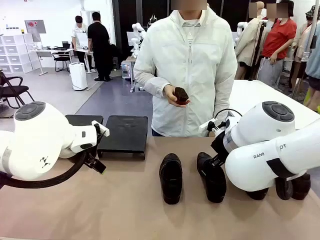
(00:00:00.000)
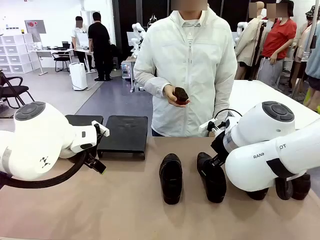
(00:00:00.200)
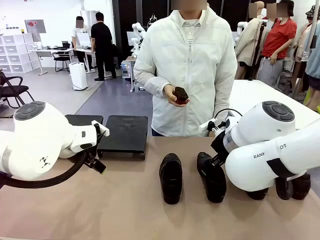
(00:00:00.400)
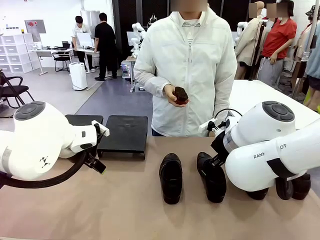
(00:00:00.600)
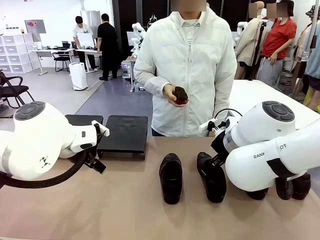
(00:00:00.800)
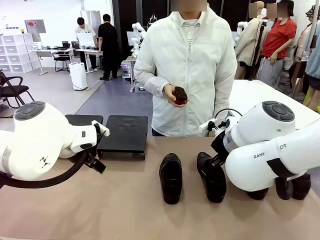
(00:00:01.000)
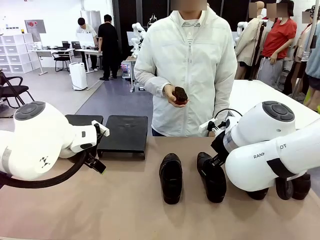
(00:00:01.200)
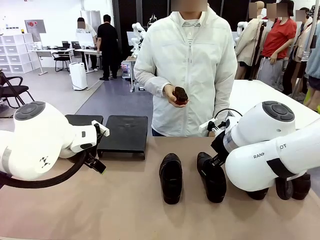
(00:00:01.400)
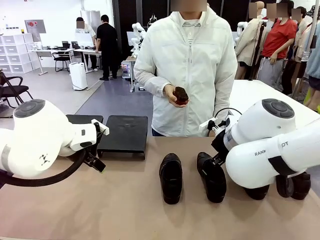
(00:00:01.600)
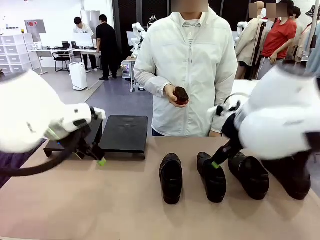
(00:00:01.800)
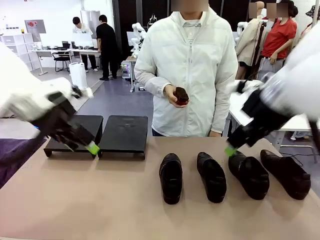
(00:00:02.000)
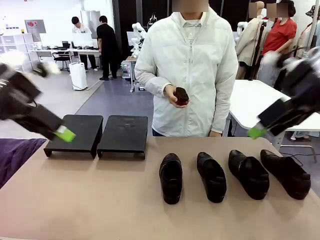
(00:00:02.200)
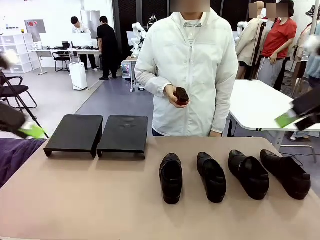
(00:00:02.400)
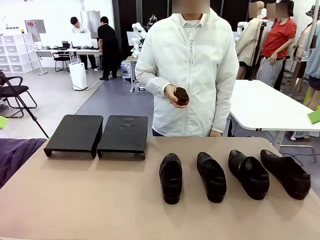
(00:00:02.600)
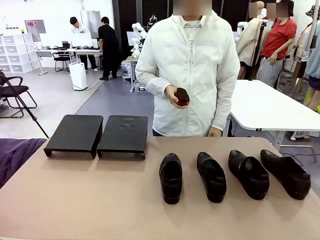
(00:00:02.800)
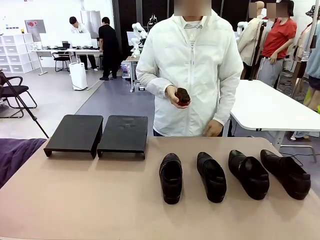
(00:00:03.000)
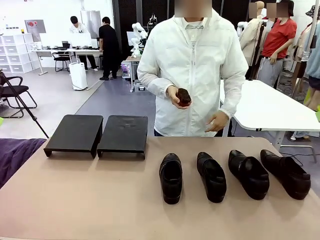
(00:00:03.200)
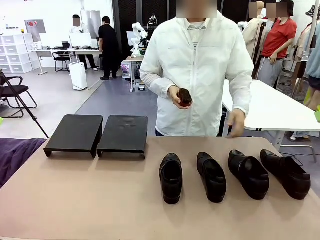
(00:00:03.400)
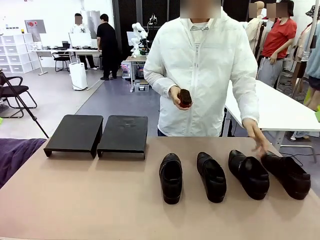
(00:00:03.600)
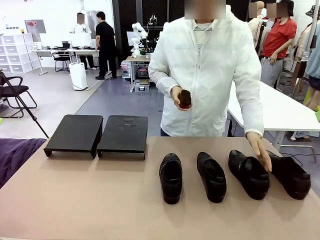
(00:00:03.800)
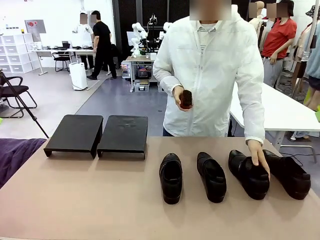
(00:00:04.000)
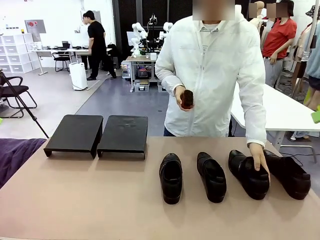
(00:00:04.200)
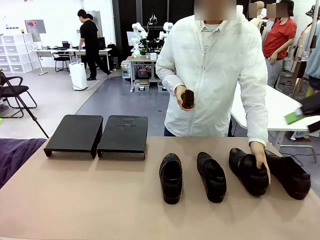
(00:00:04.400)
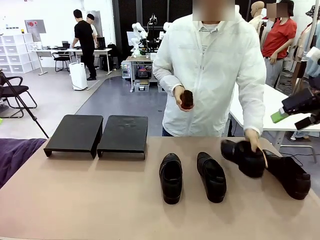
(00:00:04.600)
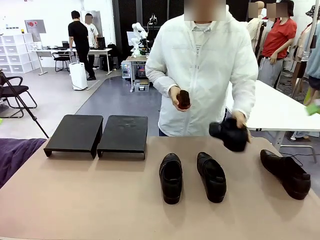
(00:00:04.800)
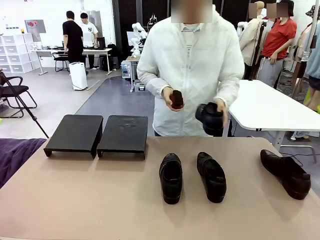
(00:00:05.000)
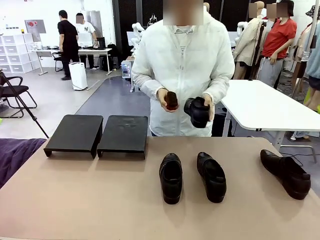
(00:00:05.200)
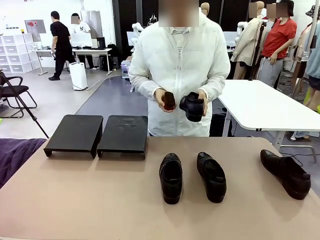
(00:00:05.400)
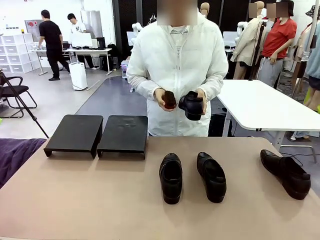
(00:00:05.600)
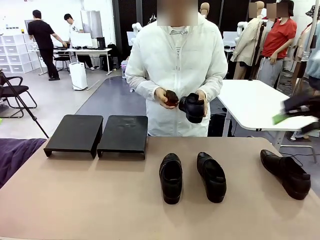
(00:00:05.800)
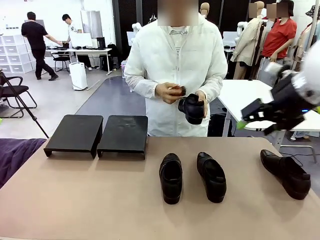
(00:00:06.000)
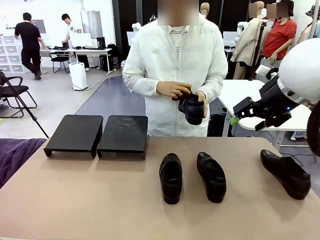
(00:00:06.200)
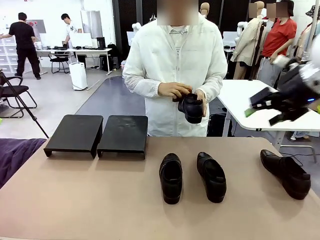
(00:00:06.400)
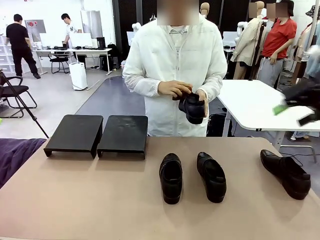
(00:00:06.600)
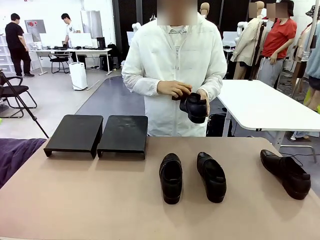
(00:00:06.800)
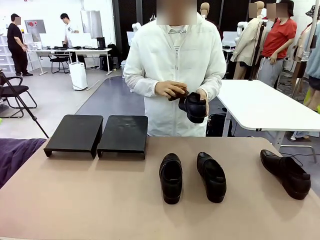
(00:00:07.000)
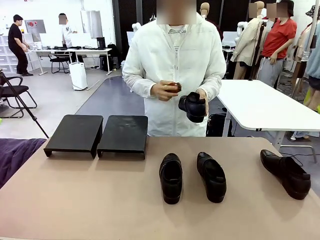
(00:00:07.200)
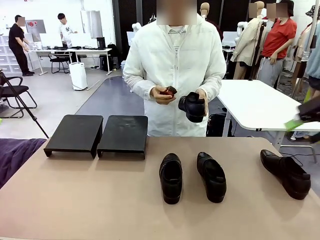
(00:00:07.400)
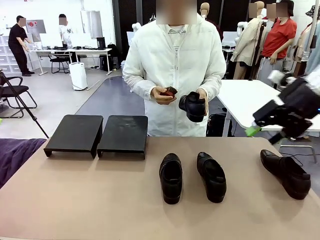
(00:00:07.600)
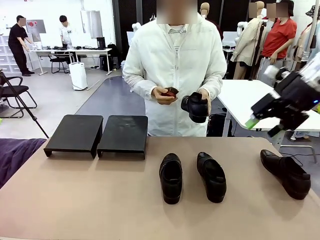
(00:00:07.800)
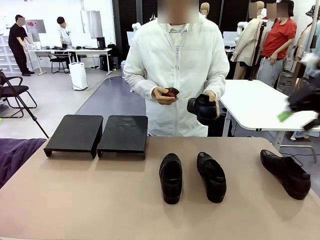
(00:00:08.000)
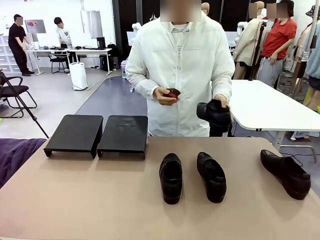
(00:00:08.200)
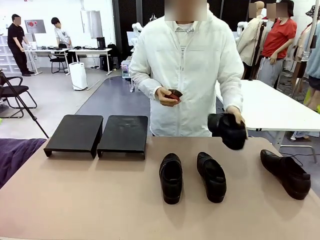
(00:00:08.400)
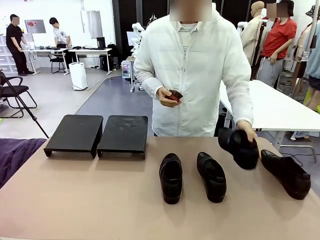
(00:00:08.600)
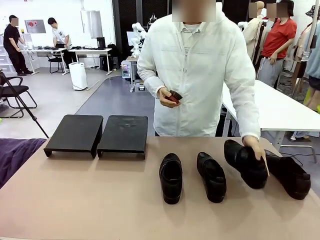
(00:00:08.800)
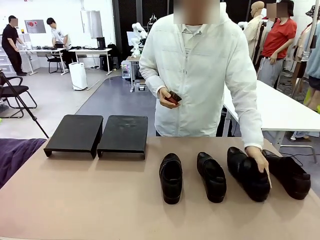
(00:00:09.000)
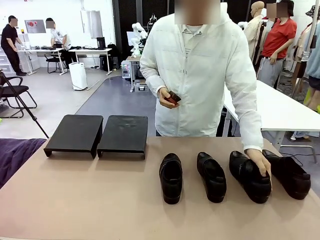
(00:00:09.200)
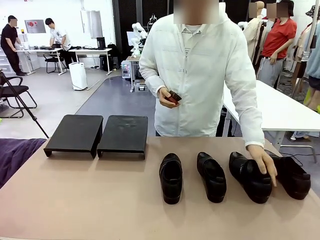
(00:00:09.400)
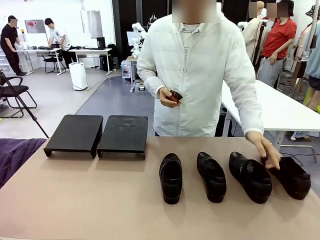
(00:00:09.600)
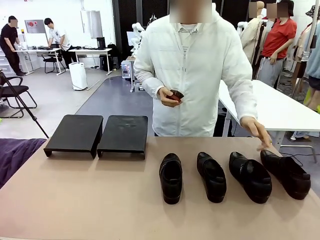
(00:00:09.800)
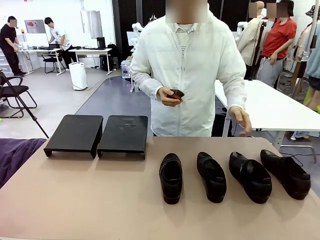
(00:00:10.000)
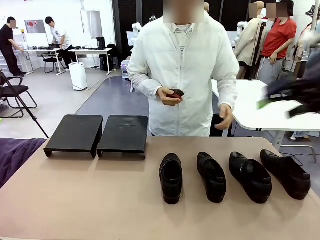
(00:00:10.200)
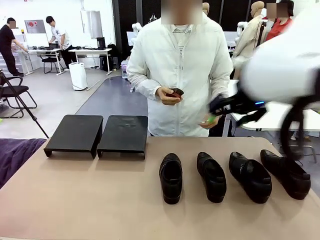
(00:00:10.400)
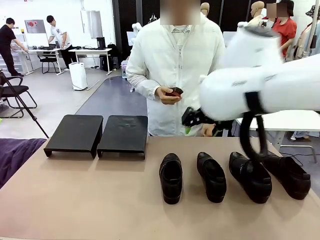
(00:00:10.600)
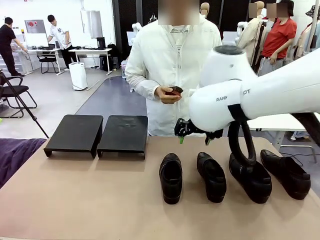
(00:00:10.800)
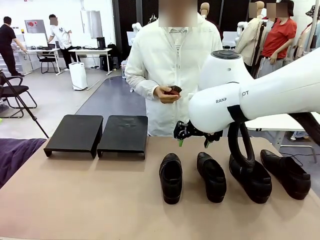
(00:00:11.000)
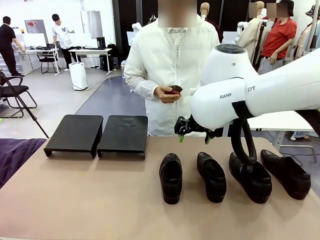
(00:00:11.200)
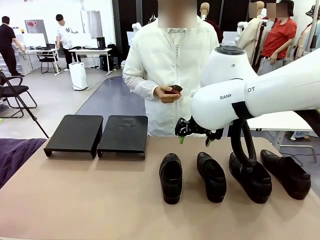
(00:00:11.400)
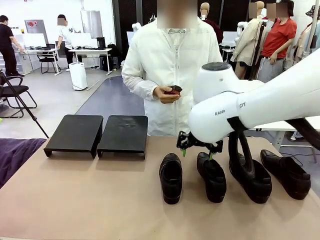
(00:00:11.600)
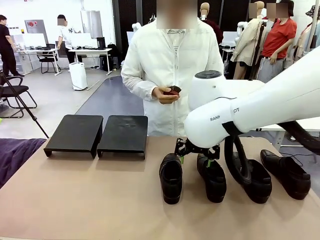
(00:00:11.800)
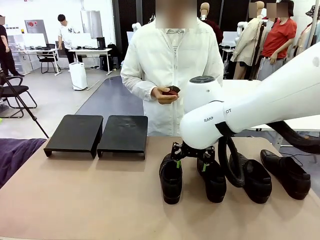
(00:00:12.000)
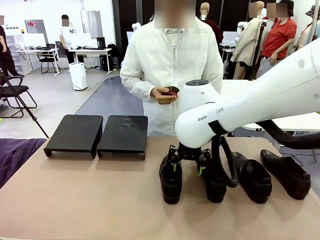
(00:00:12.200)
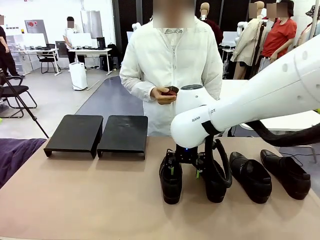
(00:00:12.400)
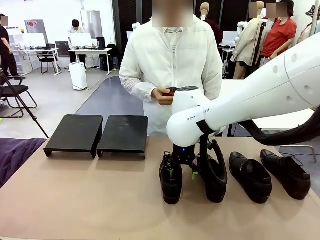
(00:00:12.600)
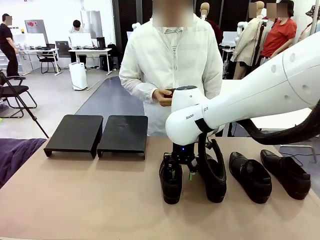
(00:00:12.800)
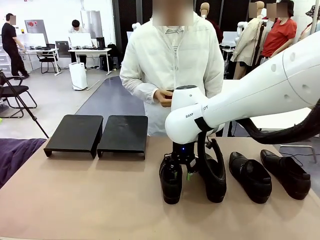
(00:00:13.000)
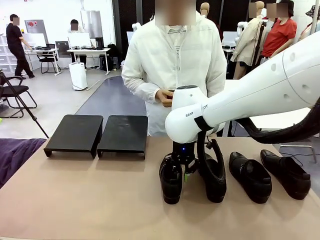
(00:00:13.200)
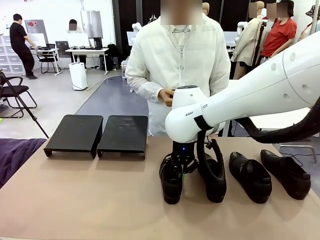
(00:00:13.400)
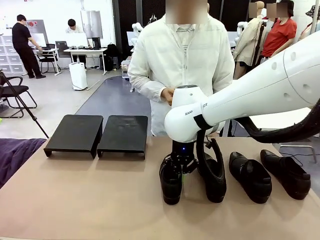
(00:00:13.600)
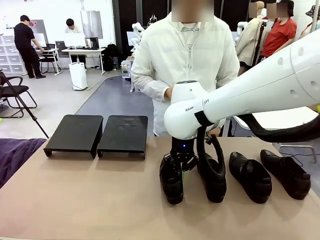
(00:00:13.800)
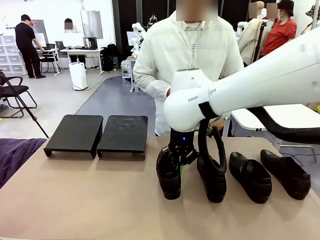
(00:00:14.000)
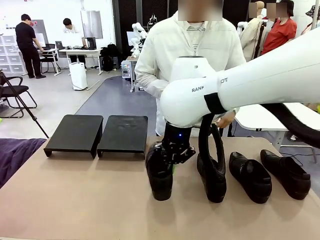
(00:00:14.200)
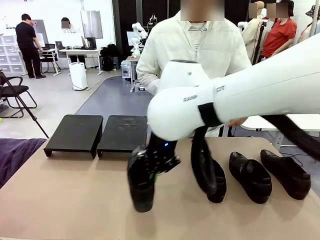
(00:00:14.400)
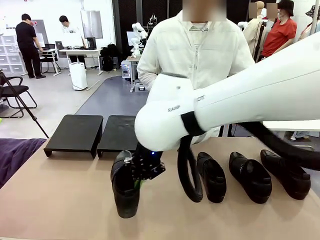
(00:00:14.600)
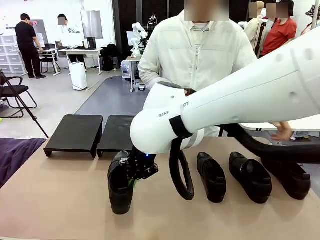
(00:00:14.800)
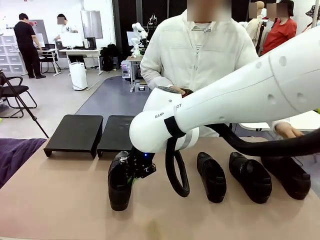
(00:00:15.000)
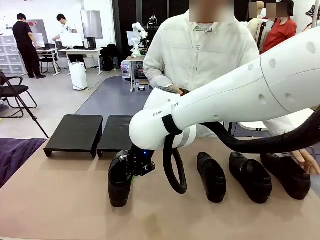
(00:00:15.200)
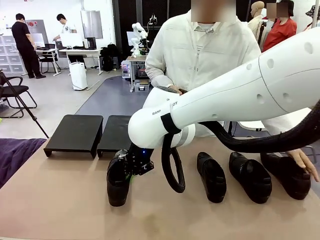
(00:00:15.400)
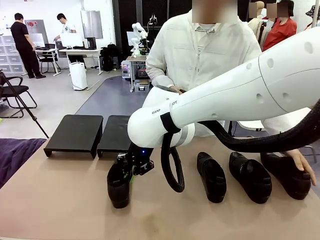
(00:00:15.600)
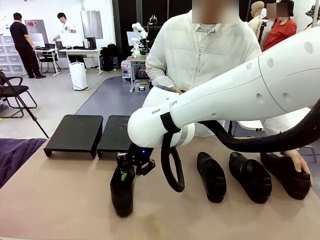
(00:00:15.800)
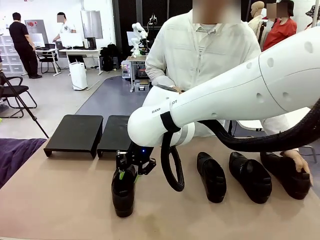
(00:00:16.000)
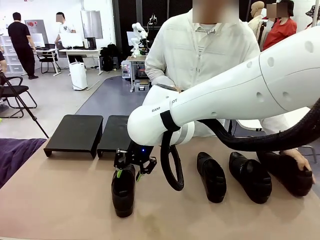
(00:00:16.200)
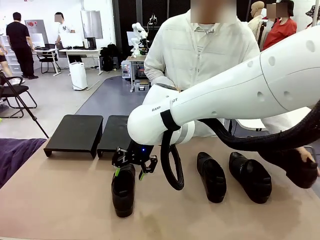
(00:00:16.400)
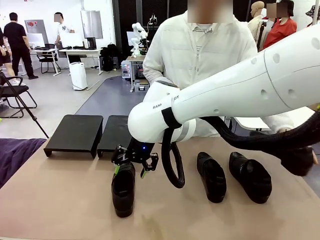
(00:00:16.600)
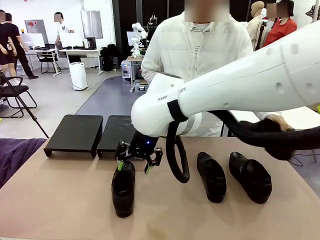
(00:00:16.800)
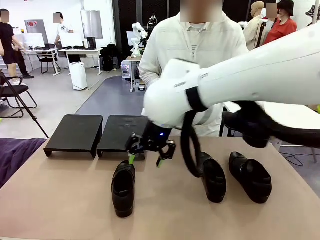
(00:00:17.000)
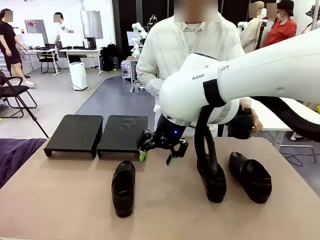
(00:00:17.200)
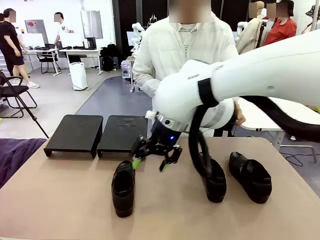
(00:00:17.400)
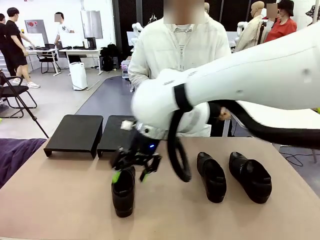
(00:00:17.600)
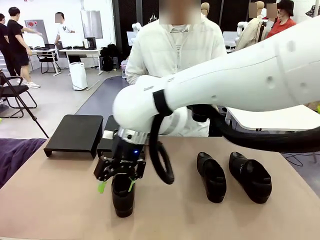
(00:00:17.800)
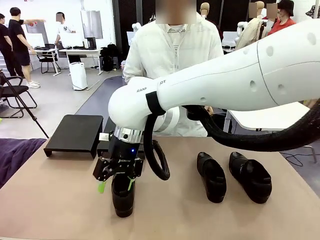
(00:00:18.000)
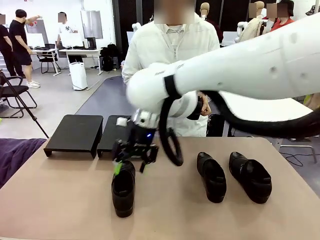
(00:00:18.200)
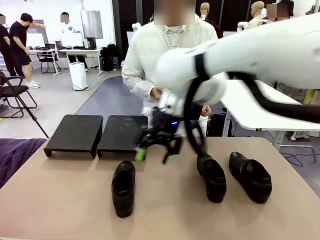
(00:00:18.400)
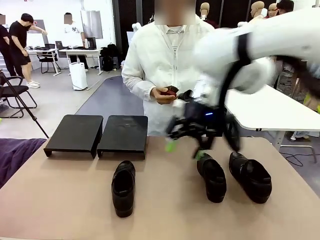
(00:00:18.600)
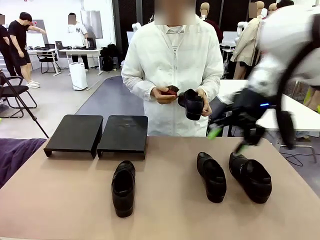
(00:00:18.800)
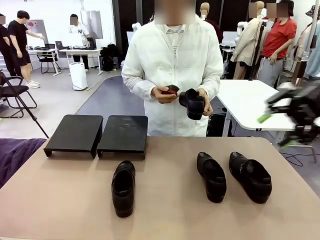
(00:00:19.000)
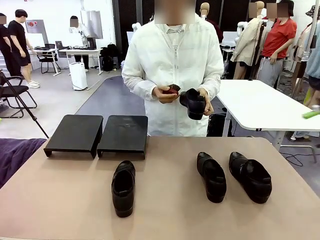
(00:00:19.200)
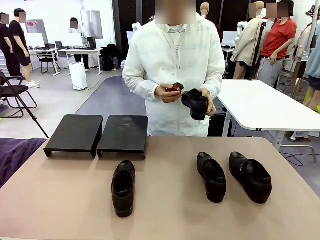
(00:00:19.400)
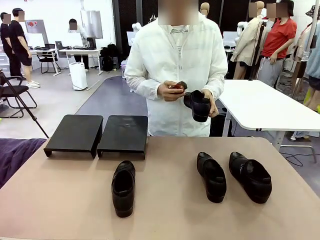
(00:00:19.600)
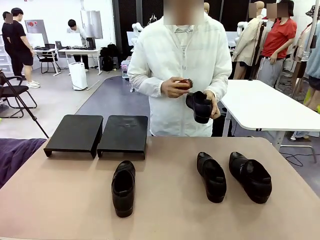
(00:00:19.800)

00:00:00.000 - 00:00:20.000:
Task: Organize the shoes by placing them on the stand.
Robot: Pick up one Shoe and place it in the middle of the table.
Person: Pick one Shoe on Robot's table. Clean the Shoe with the Shoe Brush. Place the Shoe on left side of the Robot's table. Pick one Shoe on Robot's table.
